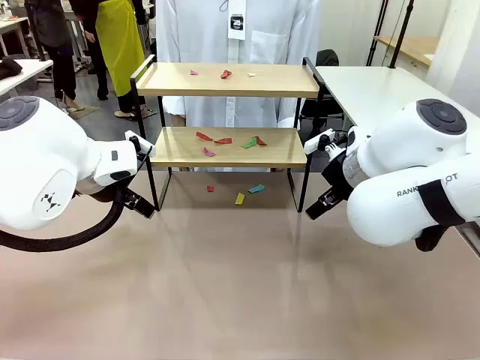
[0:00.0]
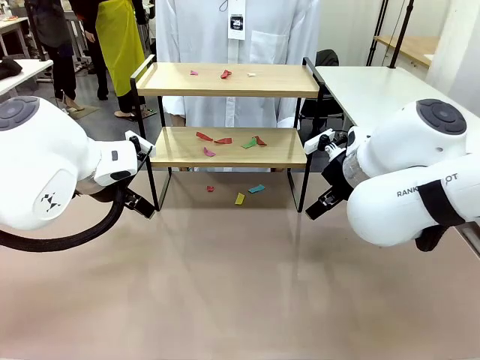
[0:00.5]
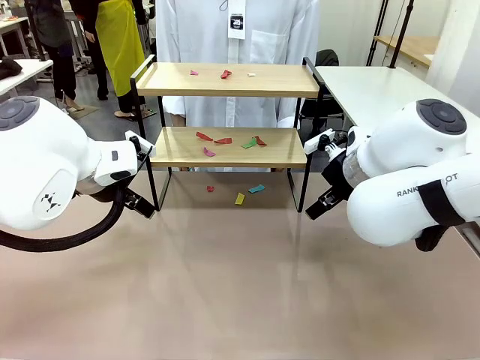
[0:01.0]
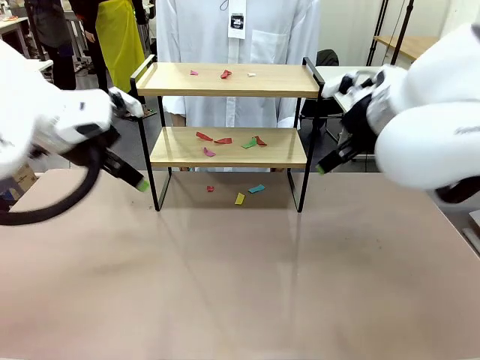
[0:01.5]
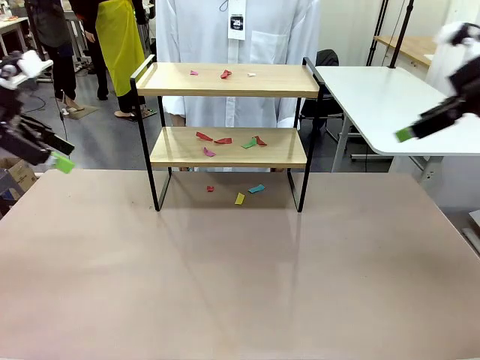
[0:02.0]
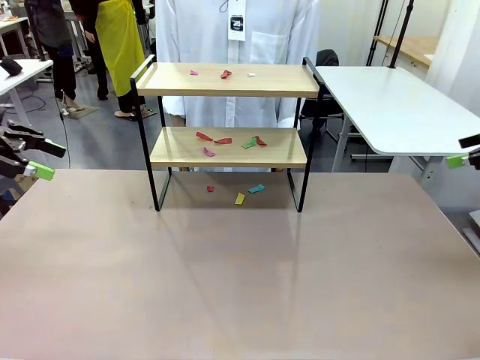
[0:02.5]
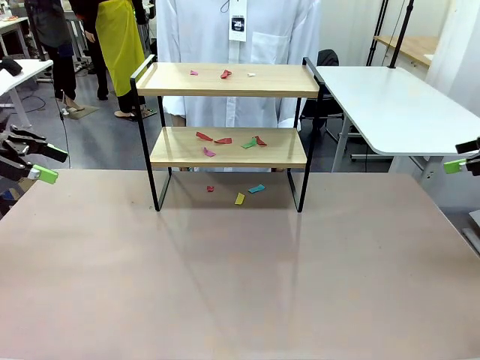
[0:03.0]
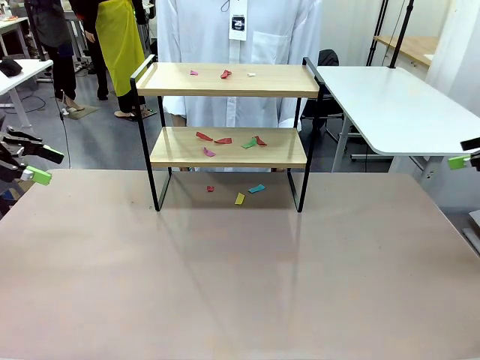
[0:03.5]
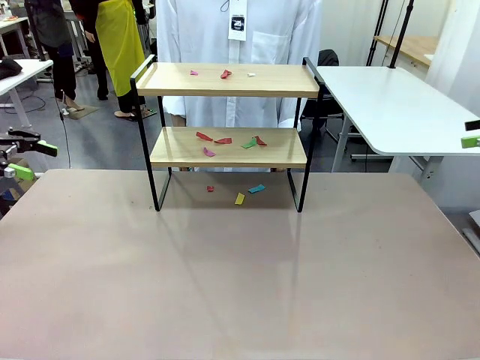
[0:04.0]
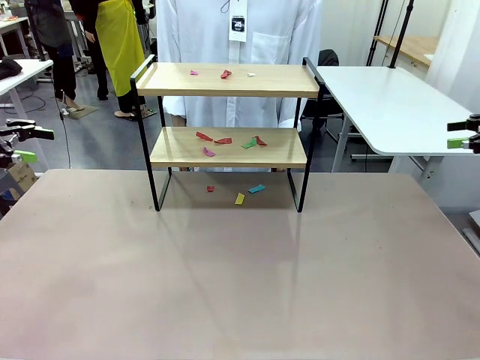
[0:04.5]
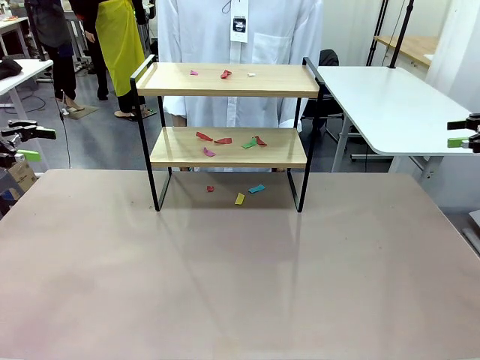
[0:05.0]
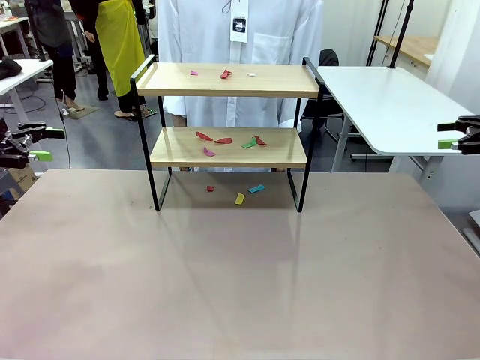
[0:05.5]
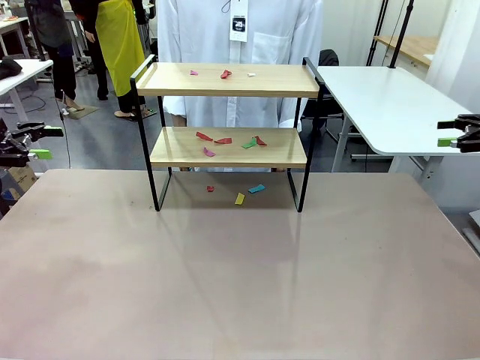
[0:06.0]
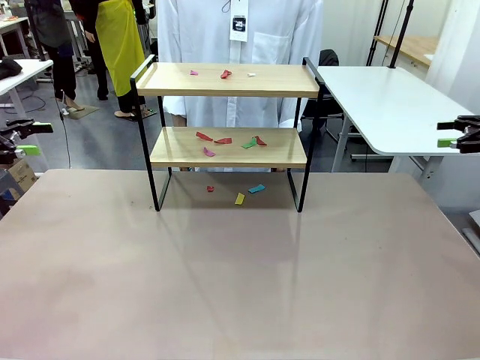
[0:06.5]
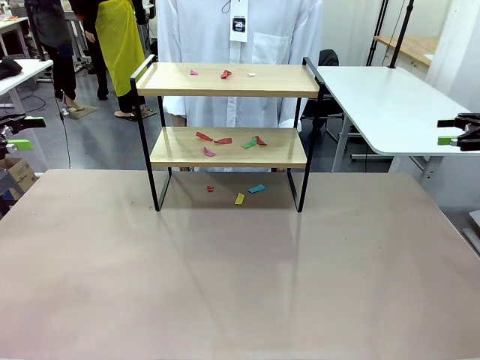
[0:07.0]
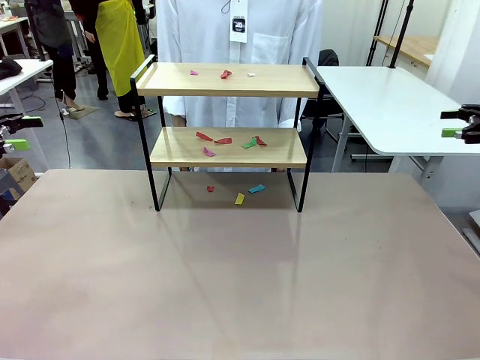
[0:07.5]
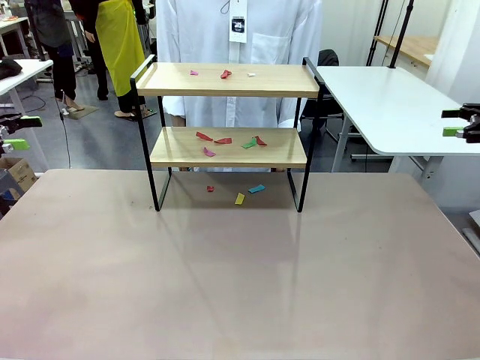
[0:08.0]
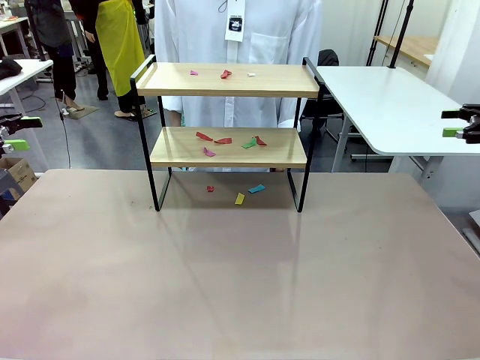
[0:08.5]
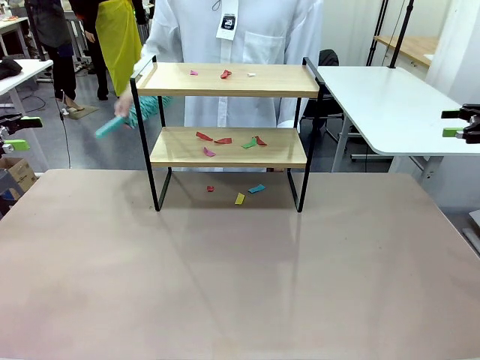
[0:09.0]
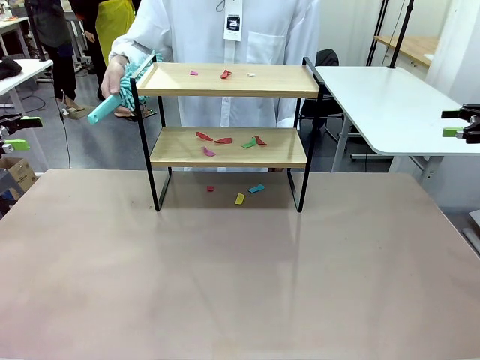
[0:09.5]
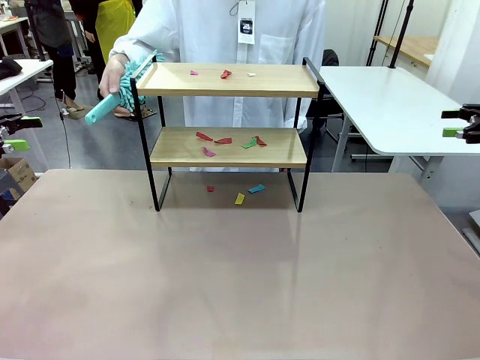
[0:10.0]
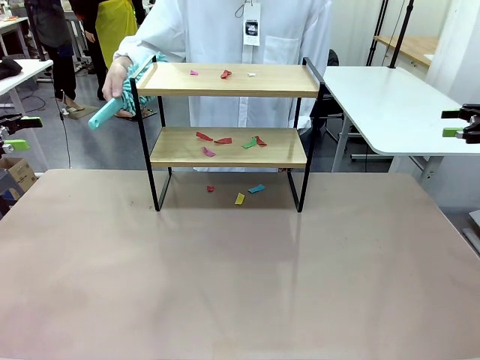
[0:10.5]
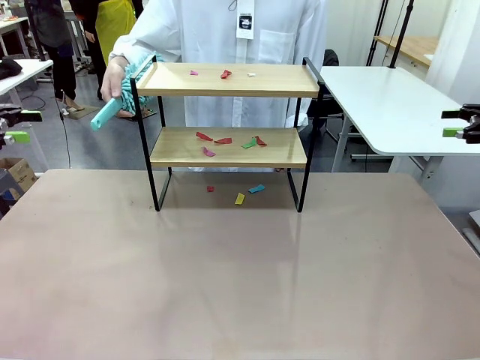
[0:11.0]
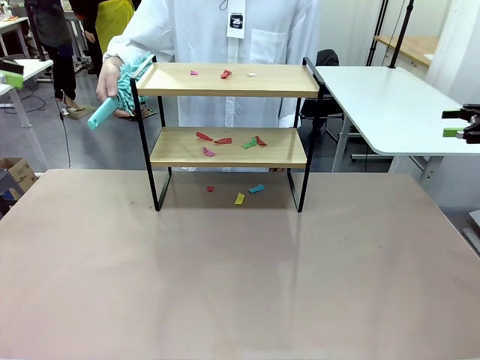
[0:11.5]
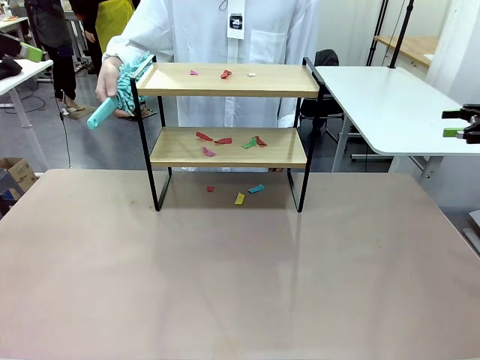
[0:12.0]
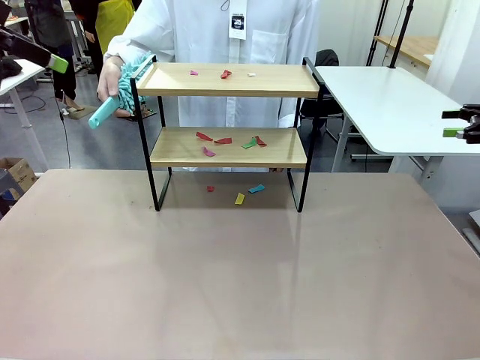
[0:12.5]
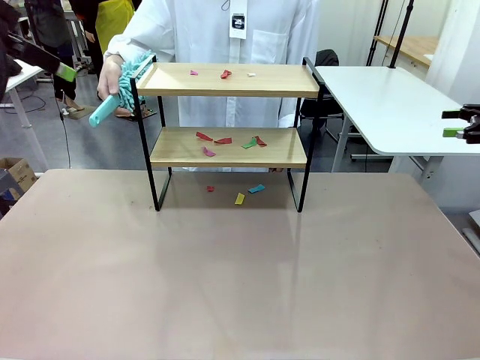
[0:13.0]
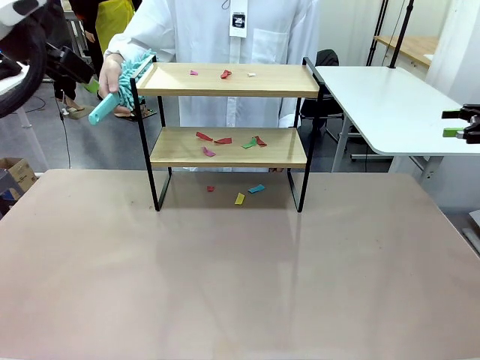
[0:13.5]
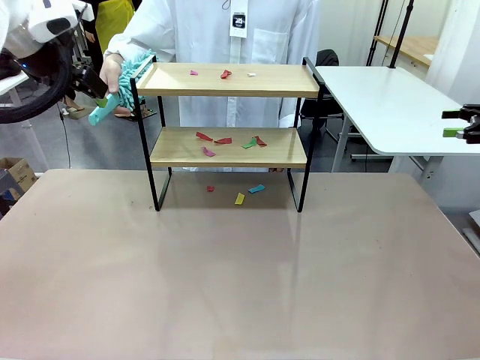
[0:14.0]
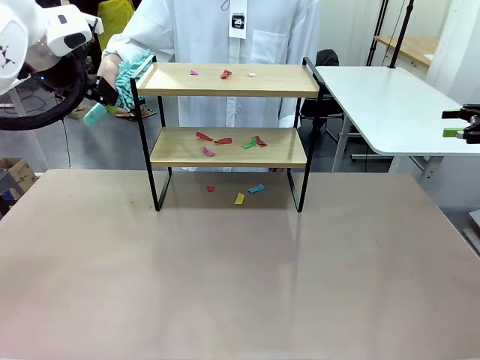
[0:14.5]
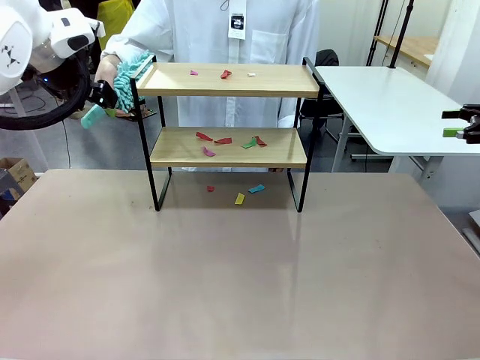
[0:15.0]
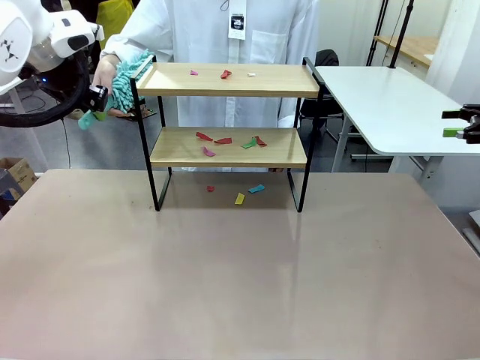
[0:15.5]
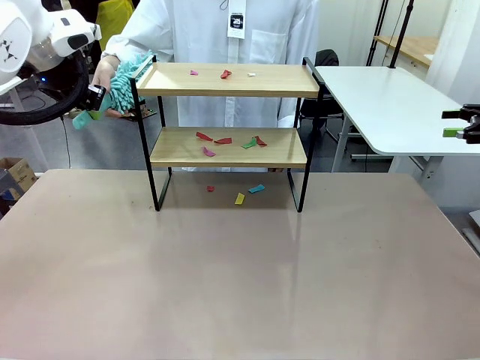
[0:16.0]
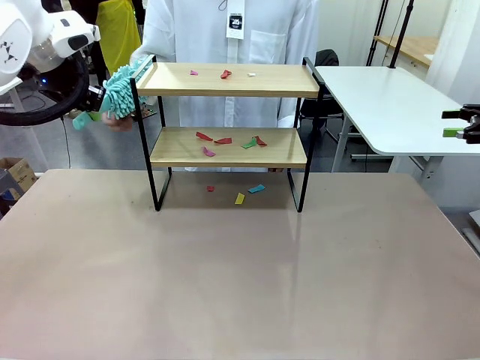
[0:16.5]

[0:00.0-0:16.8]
Task: Clean the shelf.
Robot: Pick up the Duster handed by the human.
Person: Hand the Duster to the robot.
